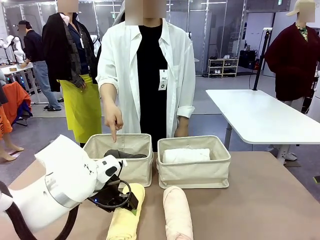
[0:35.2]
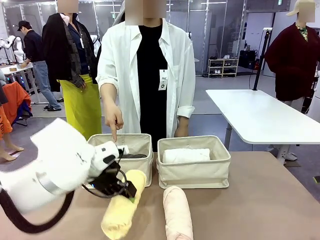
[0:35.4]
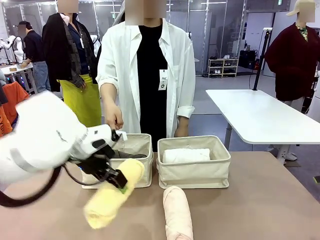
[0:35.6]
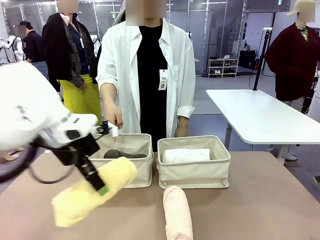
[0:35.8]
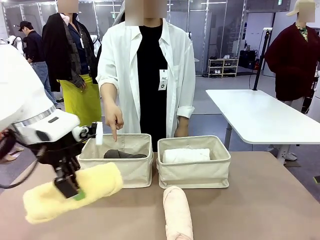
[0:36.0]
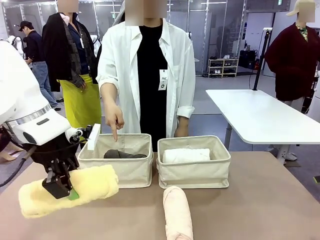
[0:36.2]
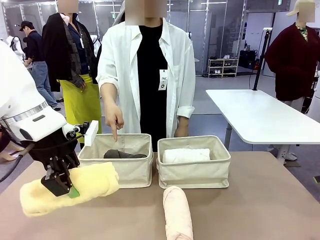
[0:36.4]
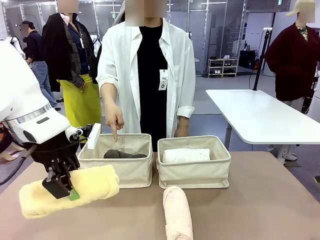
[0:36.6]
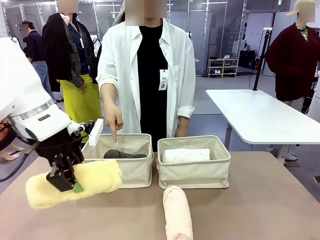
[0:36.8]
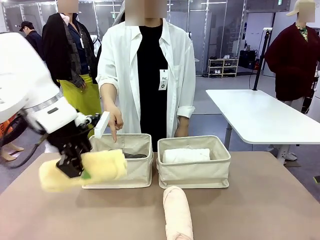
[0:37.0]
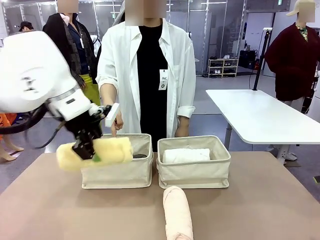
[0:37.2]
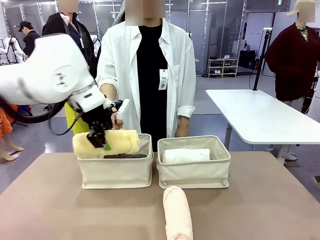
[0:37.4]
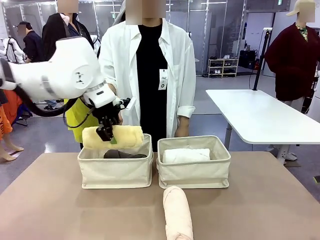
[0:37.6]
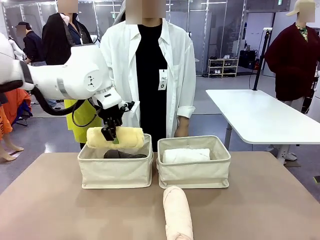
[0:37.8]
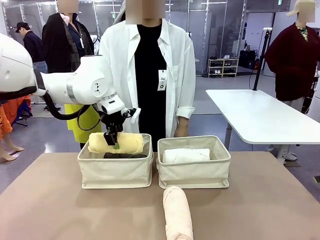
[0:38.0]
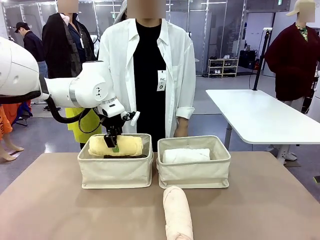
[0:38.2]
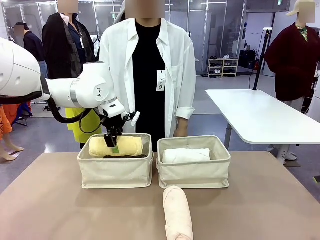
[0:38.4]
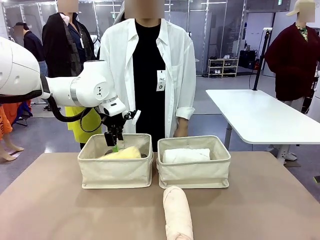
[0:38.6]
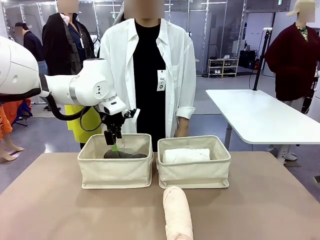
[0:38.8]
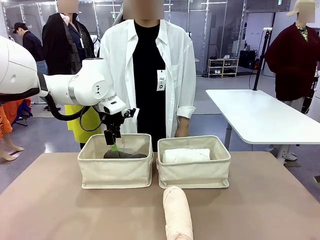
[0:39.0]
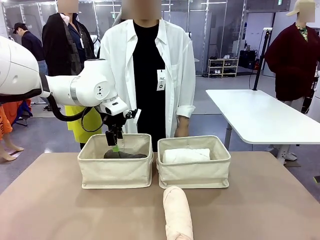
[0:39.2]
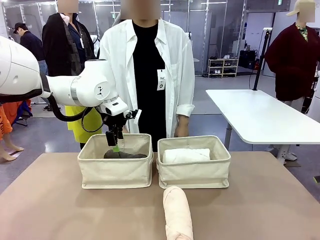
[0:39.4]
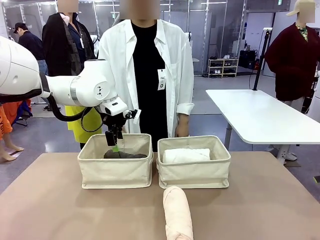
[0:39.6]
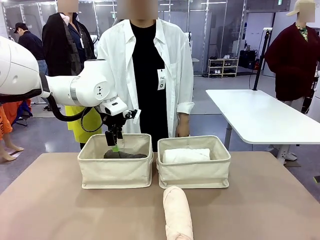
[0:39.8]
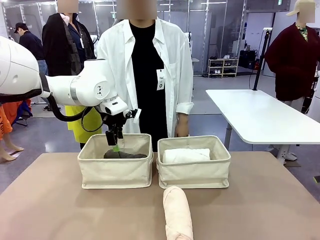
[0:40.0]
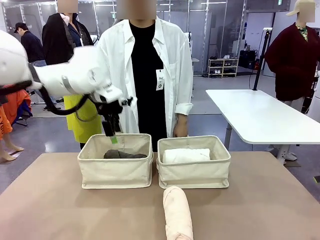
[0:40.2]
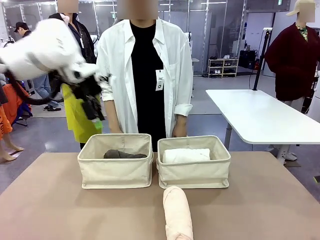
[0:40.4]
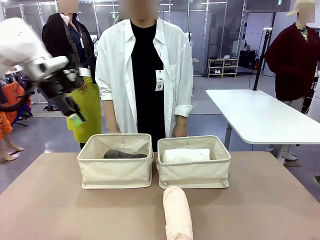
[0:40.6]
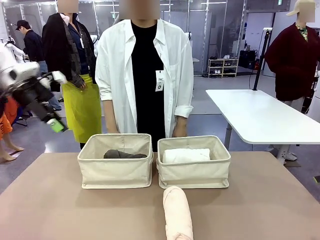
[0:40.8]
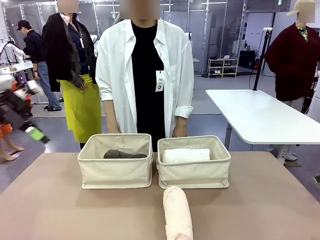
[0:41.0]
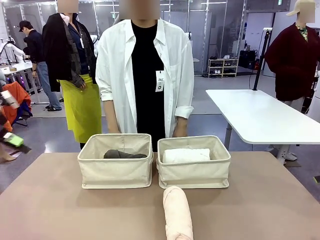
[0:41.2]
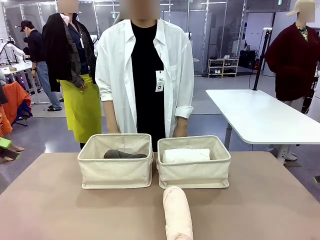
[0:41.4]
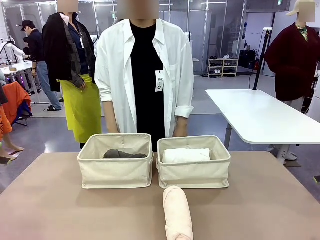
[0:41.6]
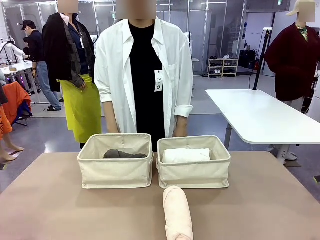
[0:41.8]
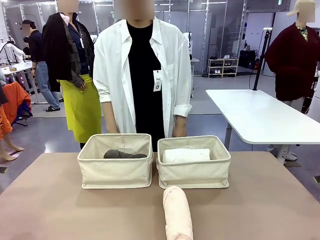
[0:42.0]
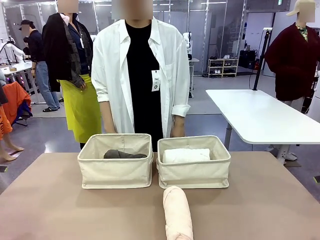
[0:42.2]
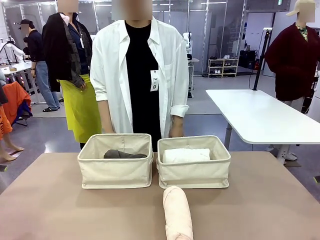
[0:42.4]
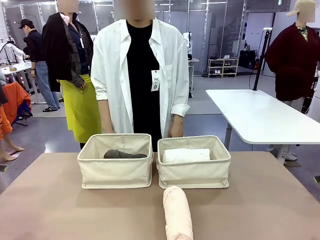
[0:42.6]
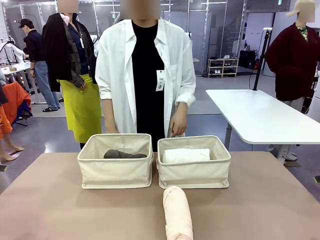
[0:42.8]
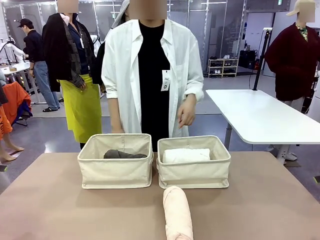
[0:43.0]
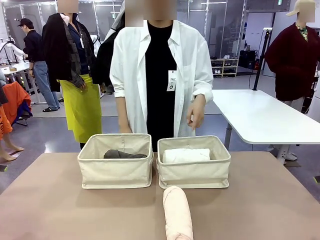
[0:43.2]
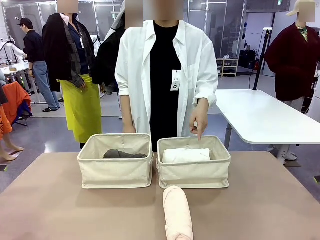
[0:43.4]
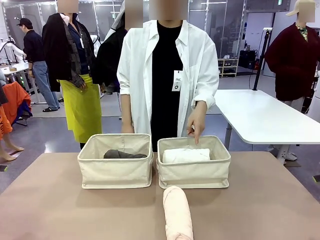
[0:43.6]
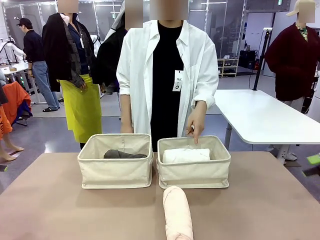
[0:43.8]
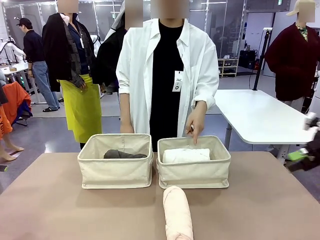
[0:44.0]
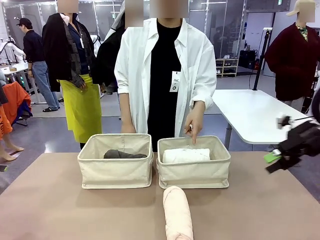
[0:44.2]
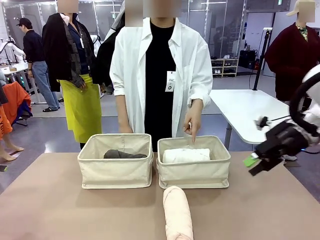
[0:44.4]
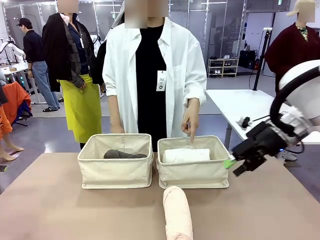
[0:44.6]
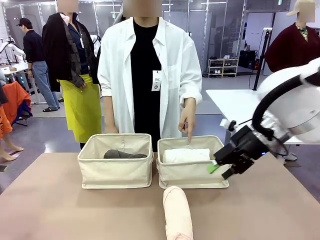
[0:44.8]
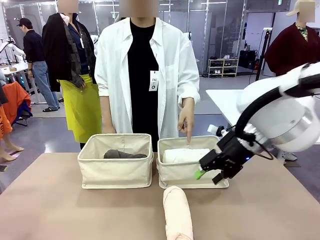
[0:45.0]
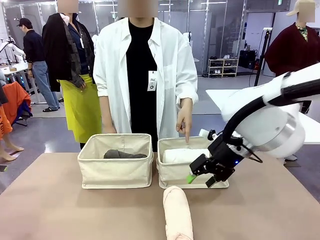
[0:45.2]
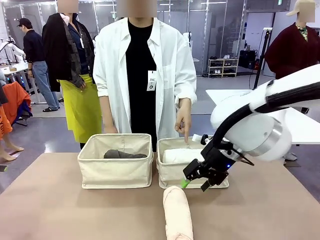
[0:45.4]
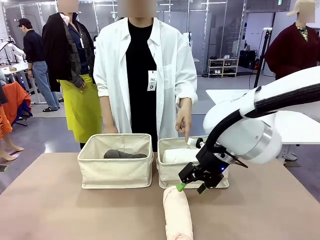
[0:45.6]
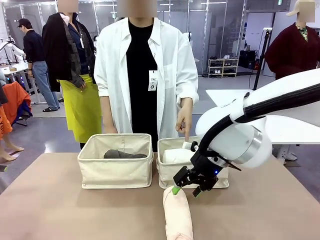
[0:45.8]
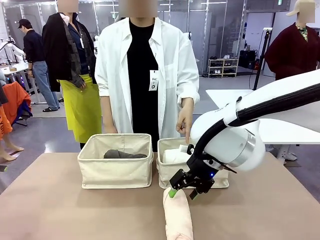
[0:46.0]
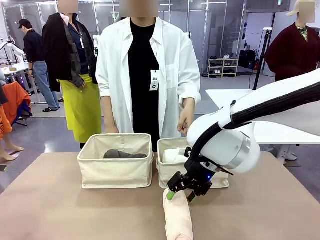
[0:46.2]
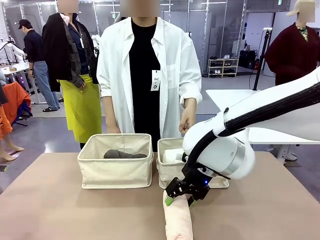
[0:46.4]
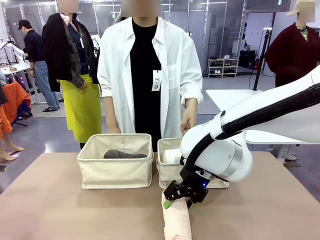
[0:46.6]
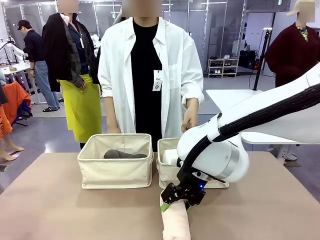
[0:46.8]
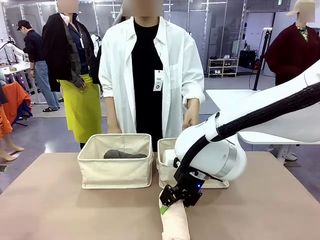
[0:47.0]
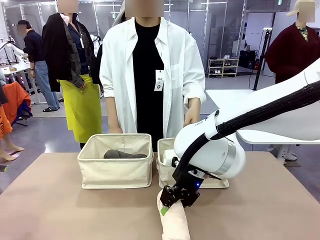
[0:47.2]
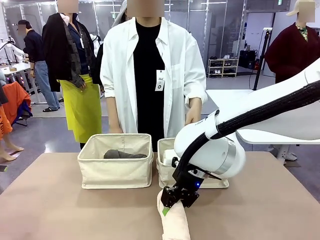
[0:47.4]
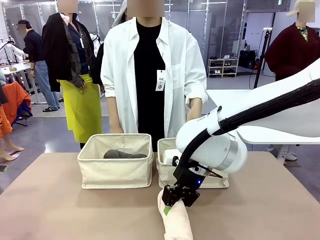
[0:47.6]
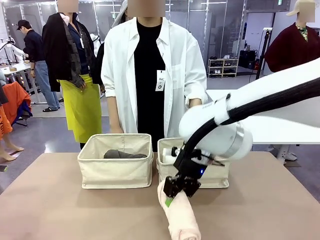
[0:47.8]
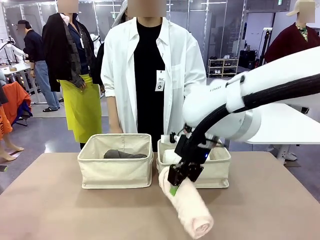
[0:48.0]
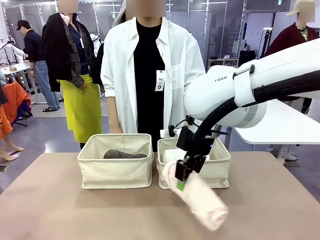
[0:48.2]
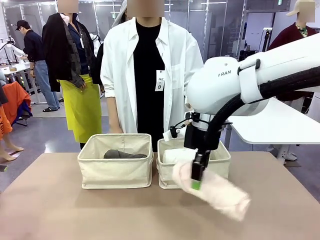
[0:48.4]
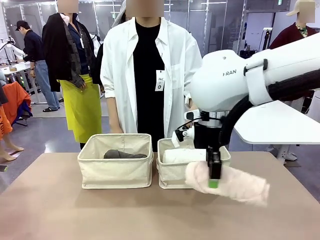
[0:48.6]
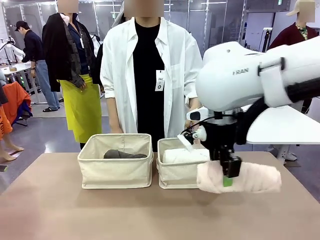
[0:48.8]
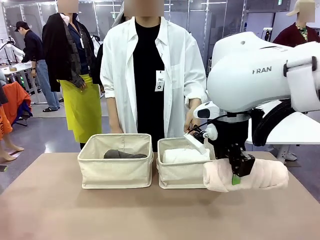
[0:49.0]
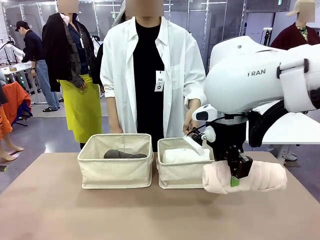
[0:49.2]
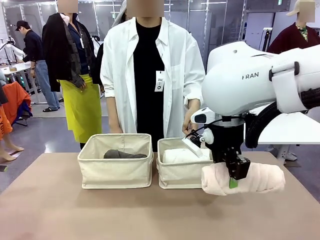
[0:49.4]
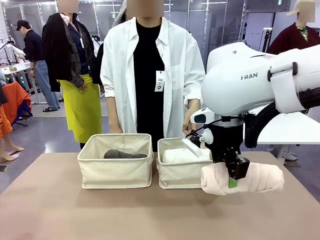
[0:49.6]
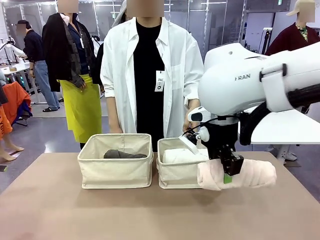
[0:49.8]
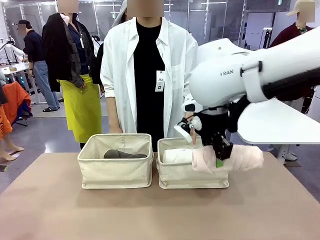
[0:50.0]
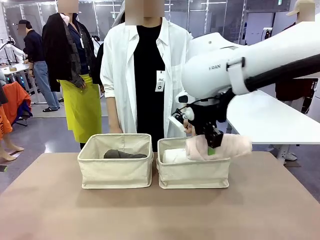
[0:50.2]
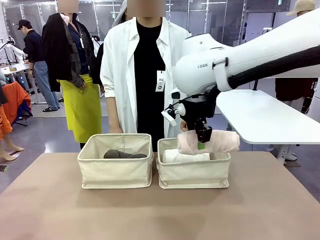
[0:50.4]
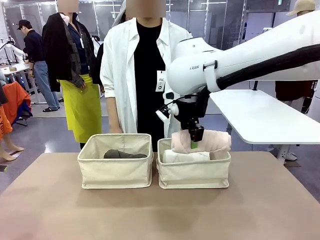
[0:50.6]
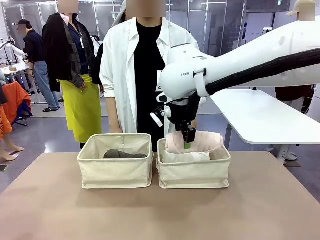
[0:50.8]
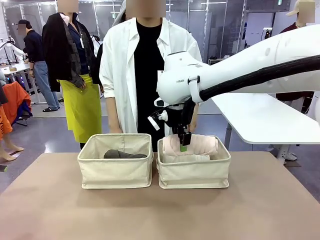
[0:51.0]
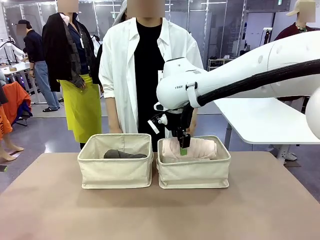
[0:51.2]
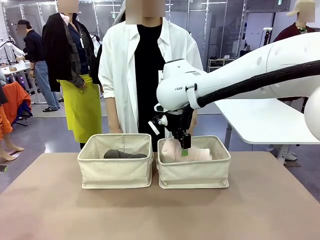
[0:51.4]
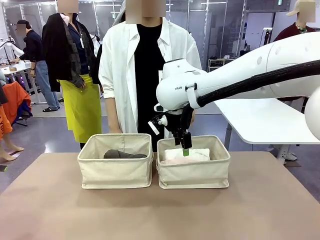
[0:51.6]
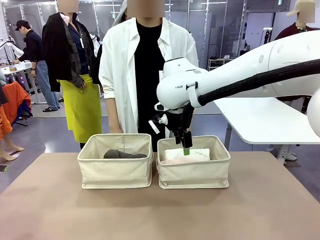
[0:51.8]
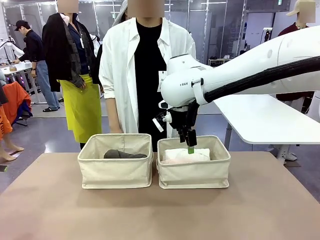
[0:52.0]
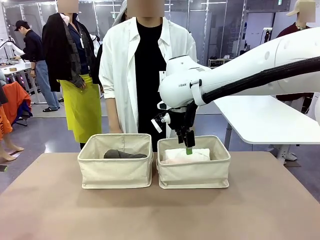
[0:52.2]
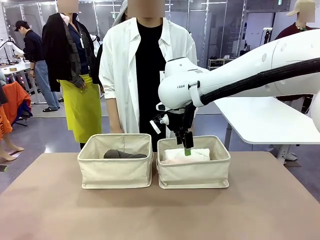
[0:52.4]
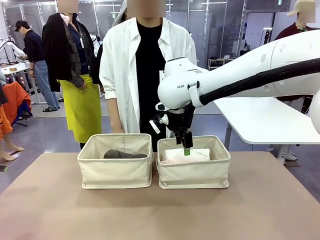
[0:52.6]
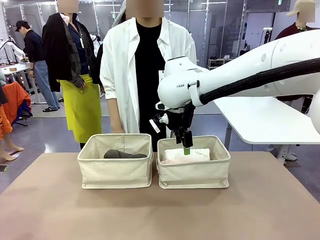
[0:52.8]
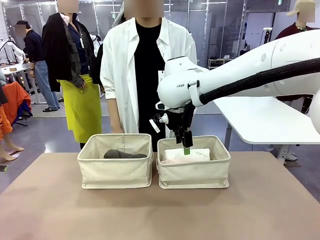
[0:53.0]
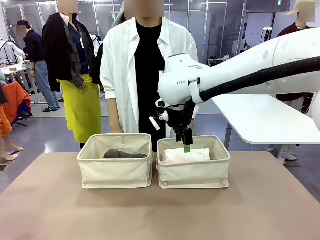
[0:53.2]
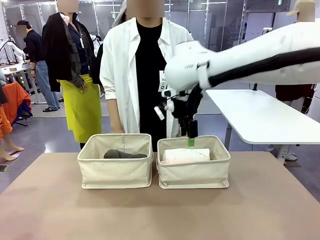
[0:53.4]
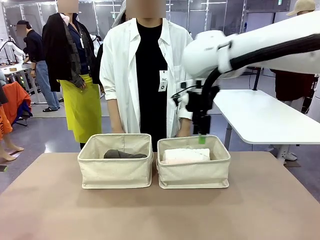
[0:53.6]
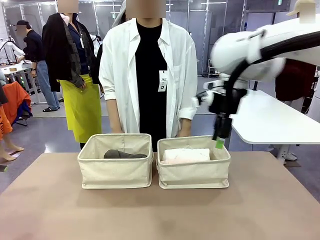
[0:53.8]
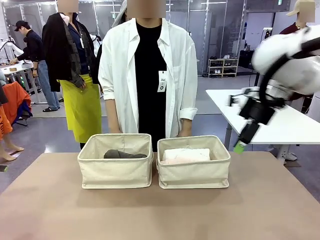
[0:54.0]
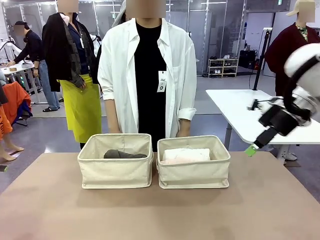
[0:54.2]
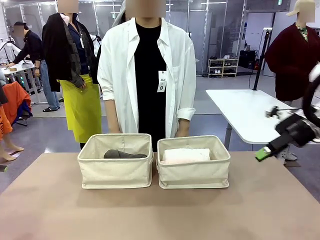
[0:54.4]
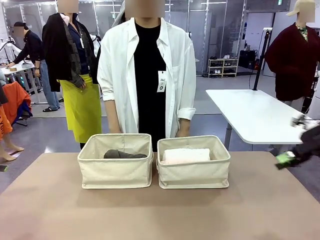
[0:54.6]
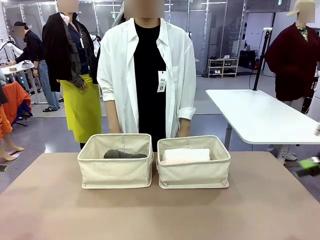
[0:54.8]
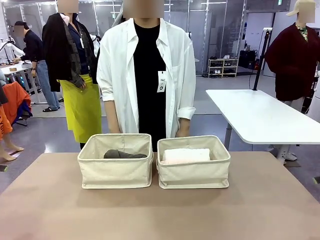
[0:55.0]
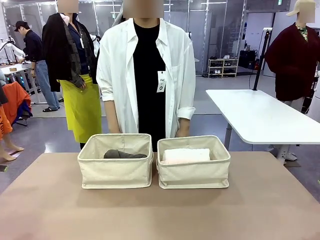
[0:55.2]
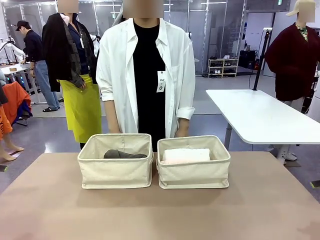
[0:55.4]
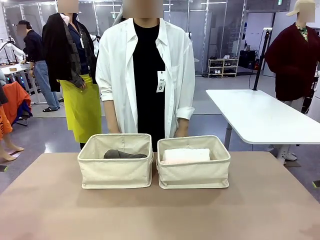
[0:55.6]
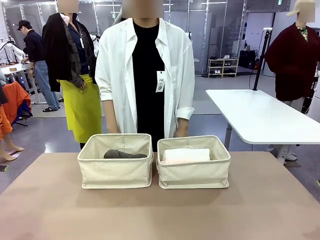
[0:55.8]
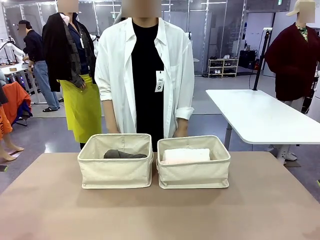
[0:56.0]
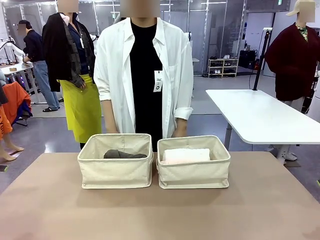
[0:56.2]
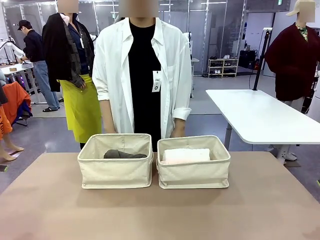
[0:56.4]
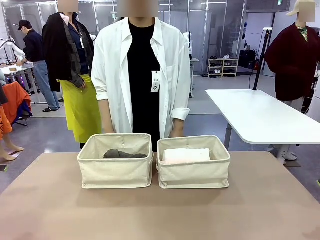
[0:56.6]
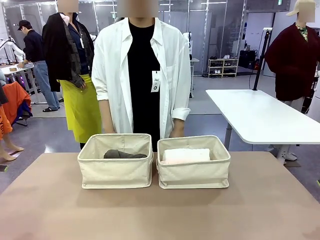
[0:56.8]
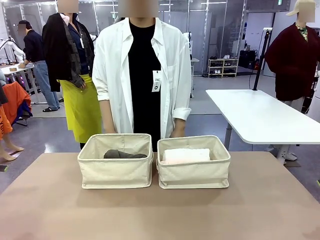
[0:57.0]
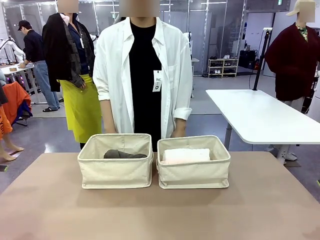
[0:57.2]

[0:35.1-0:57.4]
Task: Divide the towels into two baskets.
Robot: Pick up one hotel-folded towel from the bottom of the table and place it in the Fabric basket indicated by the person.
